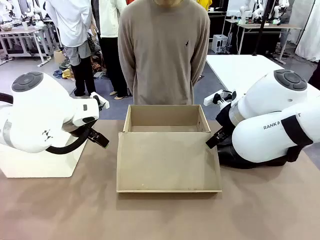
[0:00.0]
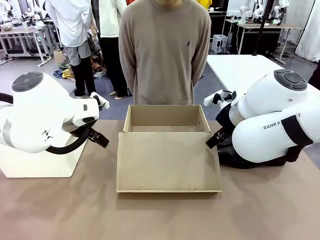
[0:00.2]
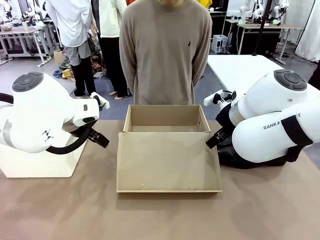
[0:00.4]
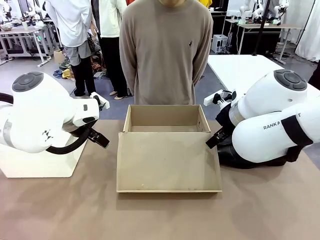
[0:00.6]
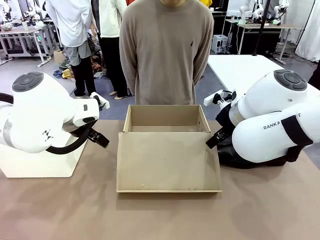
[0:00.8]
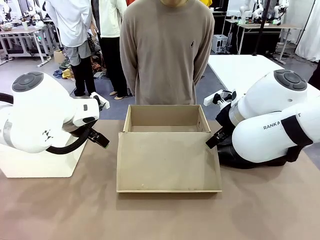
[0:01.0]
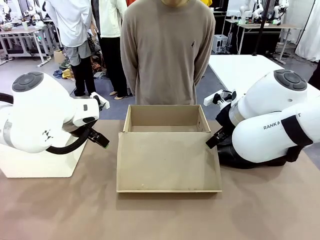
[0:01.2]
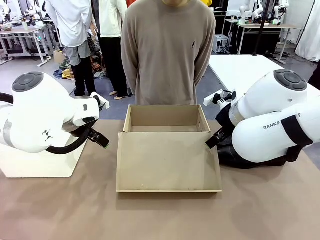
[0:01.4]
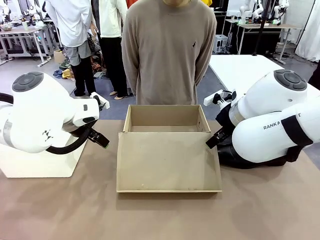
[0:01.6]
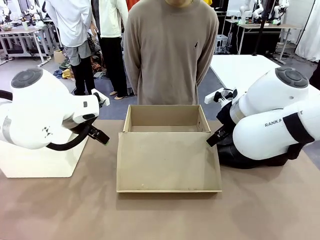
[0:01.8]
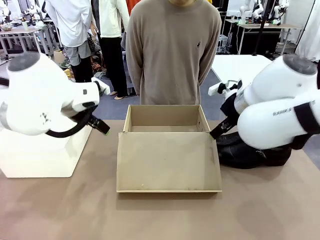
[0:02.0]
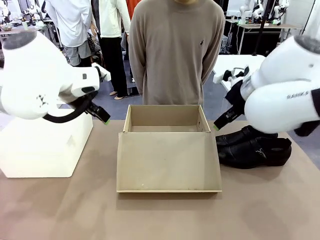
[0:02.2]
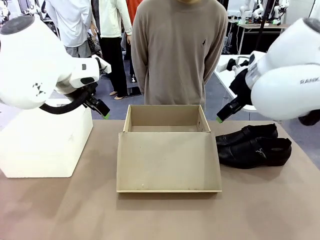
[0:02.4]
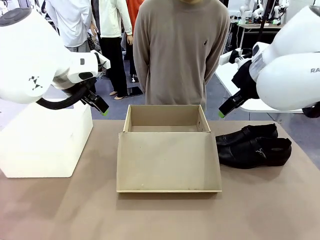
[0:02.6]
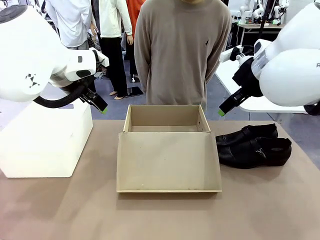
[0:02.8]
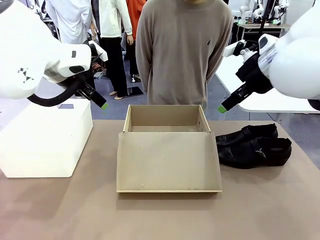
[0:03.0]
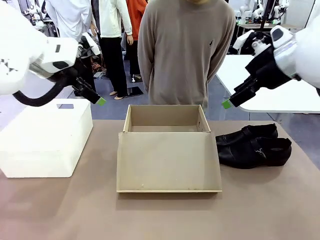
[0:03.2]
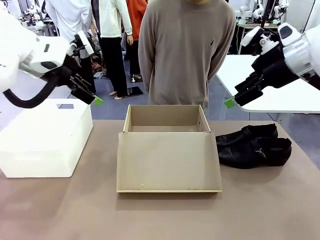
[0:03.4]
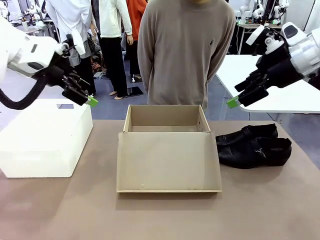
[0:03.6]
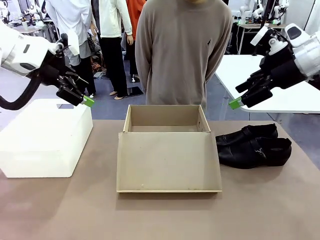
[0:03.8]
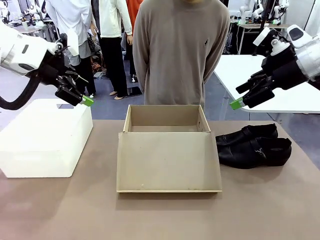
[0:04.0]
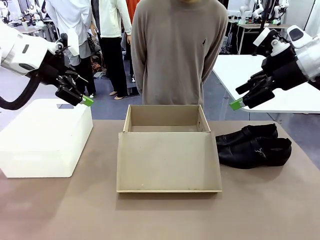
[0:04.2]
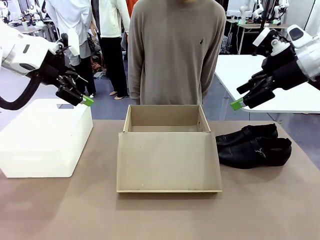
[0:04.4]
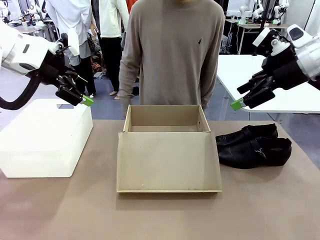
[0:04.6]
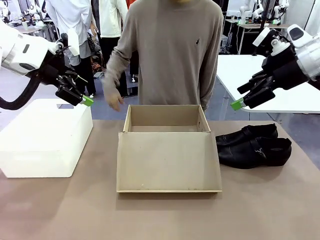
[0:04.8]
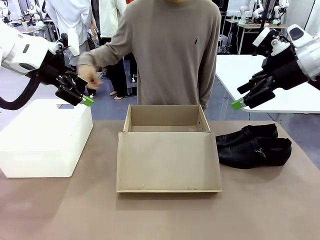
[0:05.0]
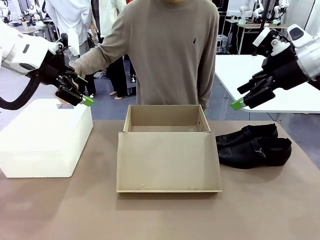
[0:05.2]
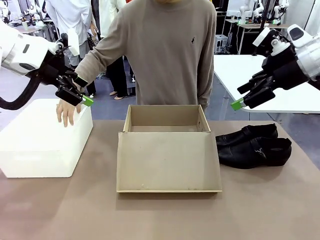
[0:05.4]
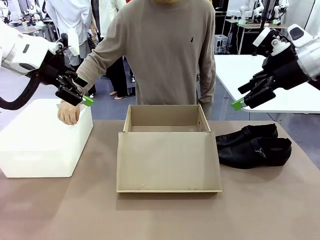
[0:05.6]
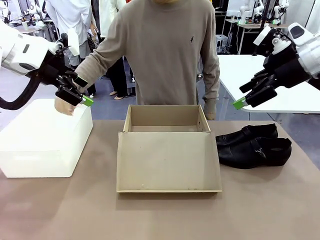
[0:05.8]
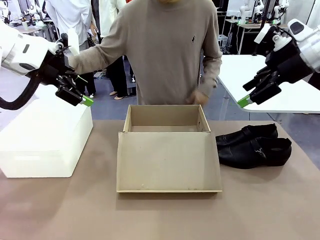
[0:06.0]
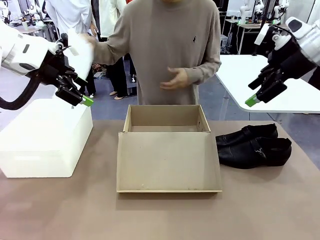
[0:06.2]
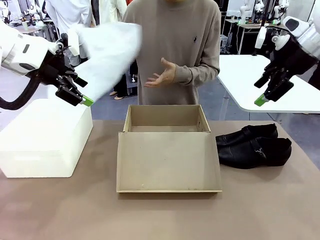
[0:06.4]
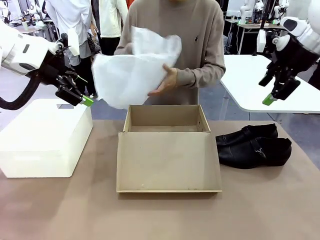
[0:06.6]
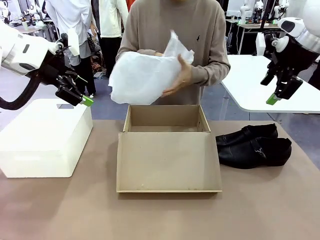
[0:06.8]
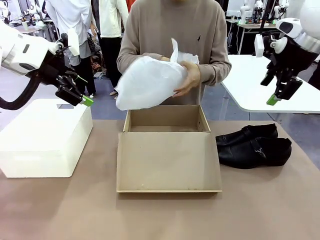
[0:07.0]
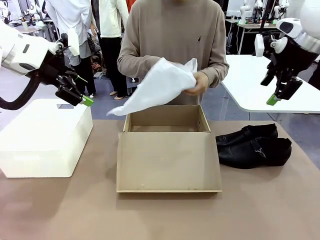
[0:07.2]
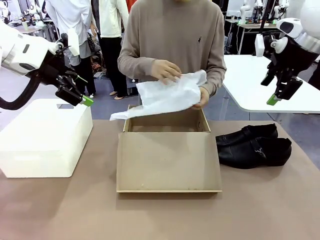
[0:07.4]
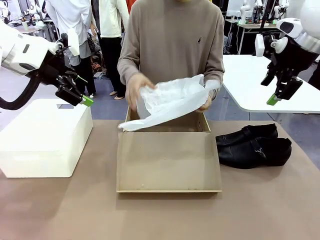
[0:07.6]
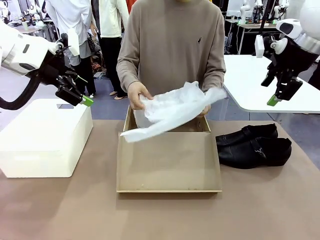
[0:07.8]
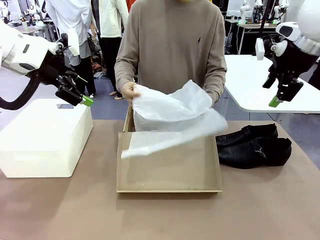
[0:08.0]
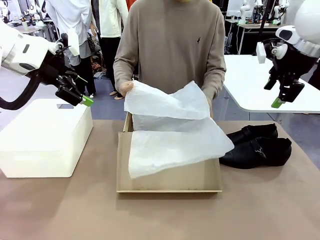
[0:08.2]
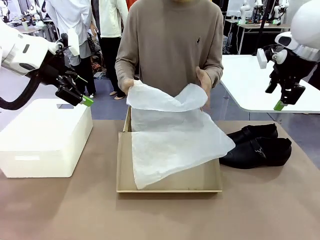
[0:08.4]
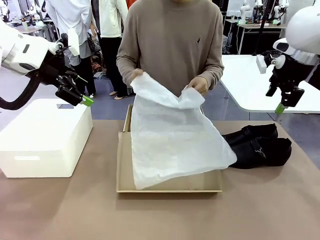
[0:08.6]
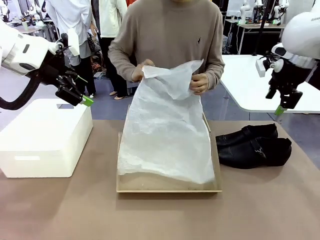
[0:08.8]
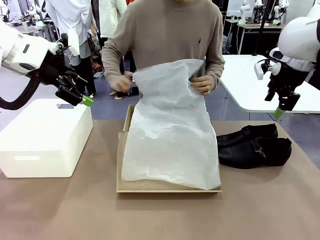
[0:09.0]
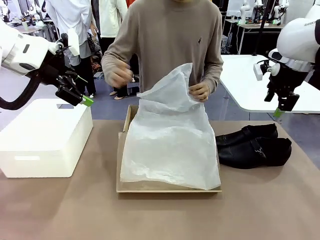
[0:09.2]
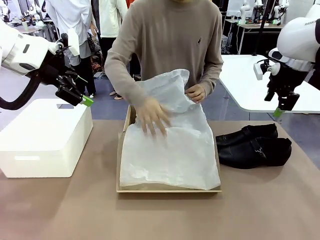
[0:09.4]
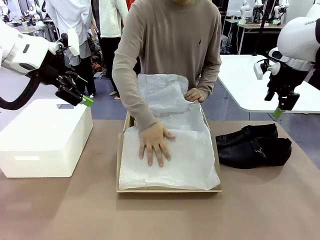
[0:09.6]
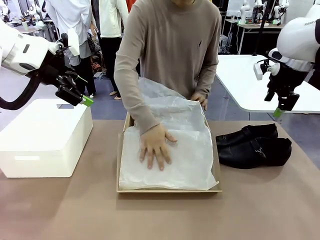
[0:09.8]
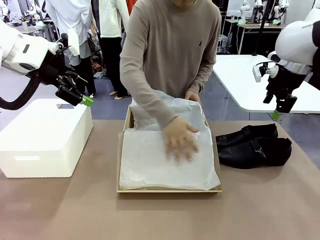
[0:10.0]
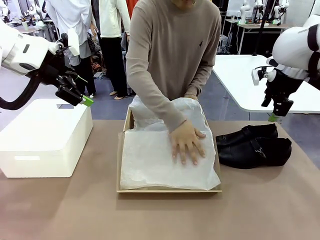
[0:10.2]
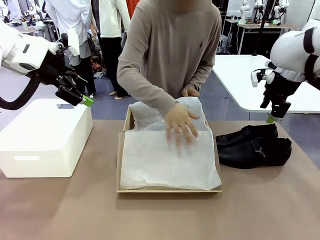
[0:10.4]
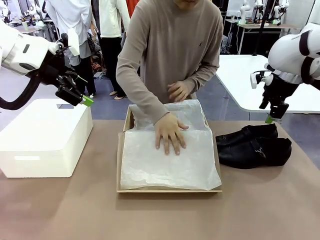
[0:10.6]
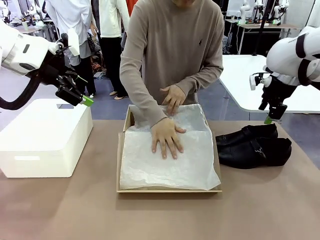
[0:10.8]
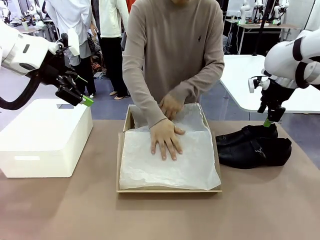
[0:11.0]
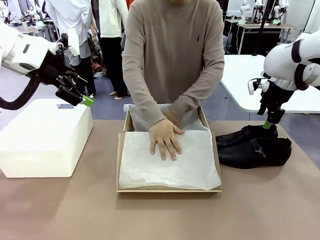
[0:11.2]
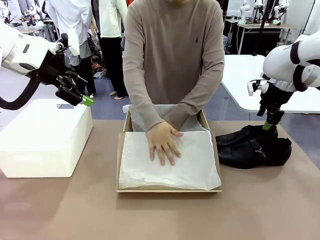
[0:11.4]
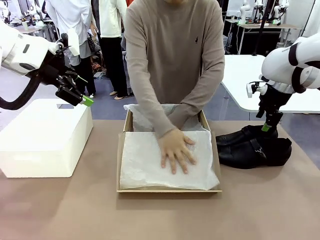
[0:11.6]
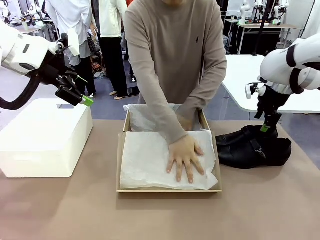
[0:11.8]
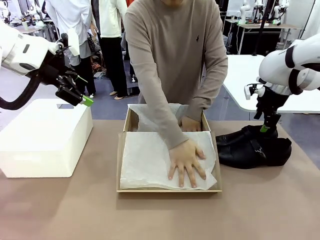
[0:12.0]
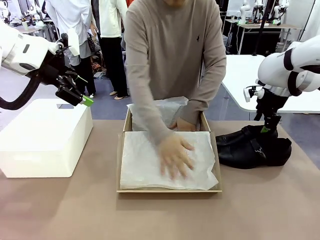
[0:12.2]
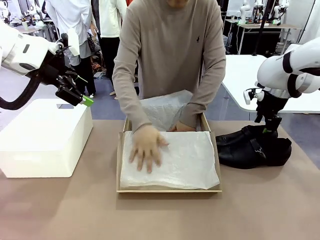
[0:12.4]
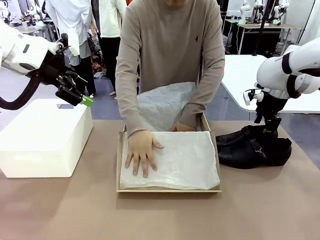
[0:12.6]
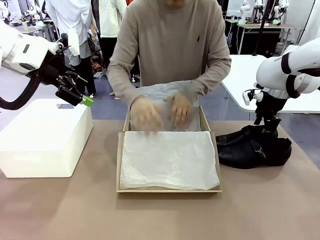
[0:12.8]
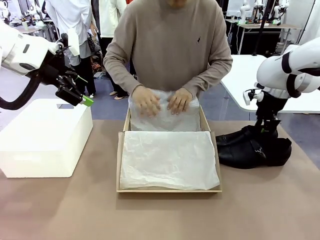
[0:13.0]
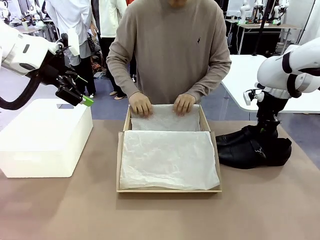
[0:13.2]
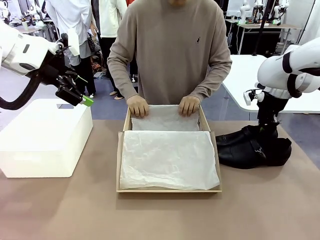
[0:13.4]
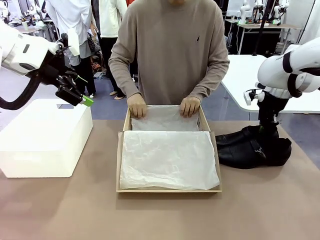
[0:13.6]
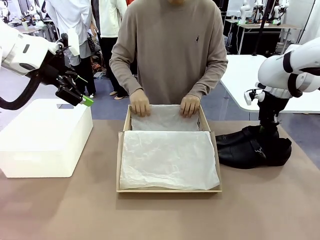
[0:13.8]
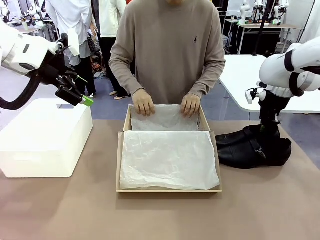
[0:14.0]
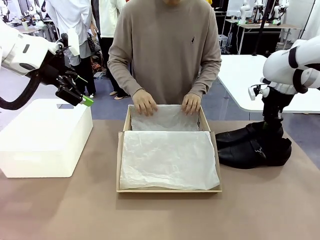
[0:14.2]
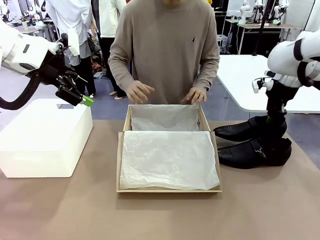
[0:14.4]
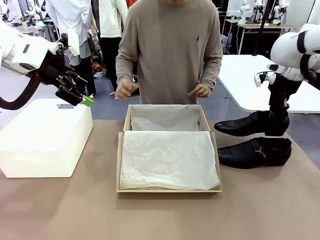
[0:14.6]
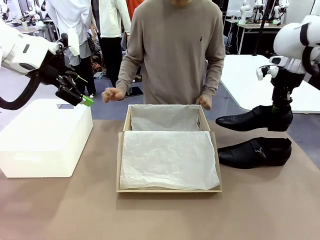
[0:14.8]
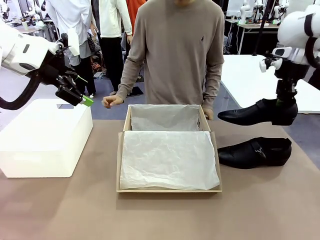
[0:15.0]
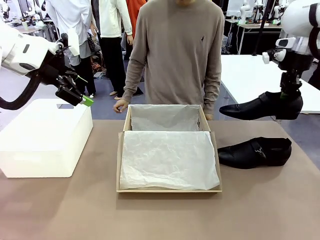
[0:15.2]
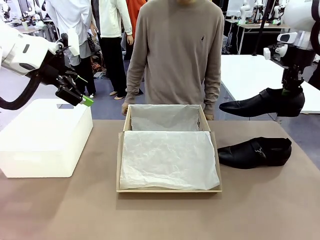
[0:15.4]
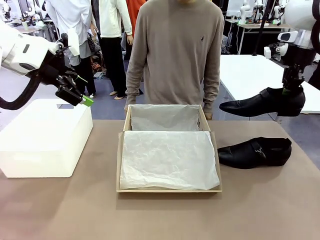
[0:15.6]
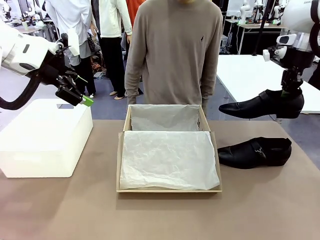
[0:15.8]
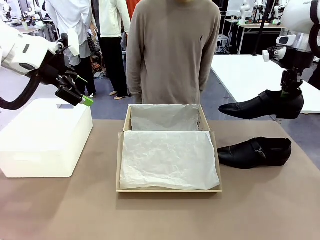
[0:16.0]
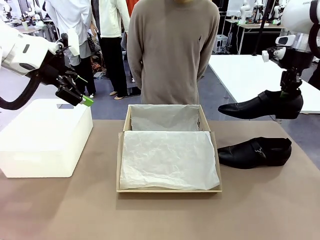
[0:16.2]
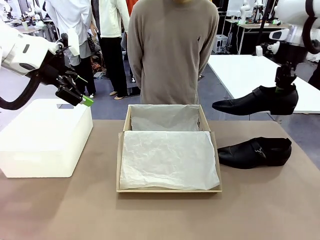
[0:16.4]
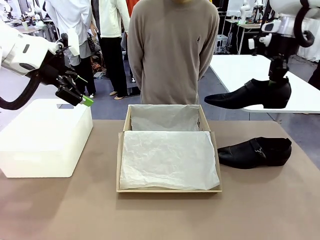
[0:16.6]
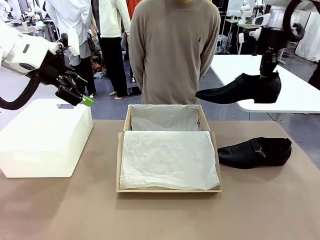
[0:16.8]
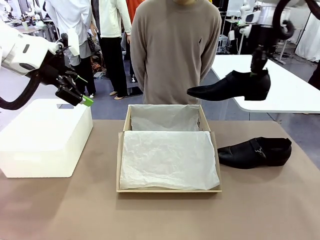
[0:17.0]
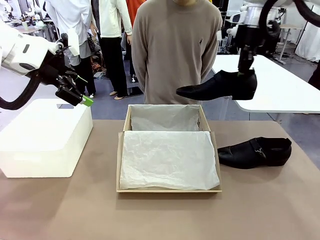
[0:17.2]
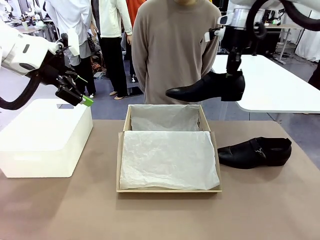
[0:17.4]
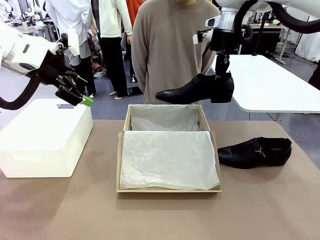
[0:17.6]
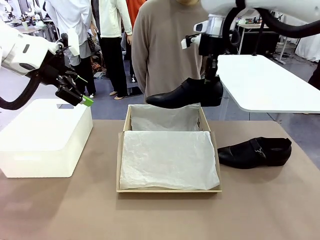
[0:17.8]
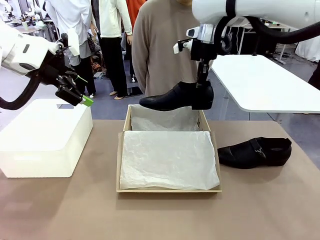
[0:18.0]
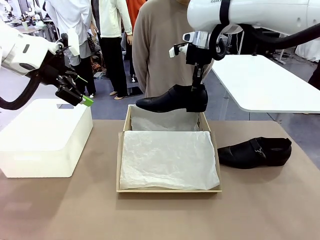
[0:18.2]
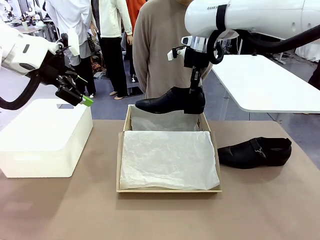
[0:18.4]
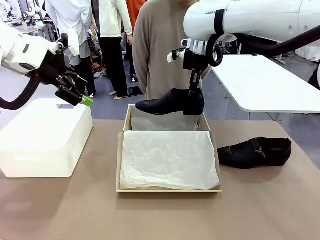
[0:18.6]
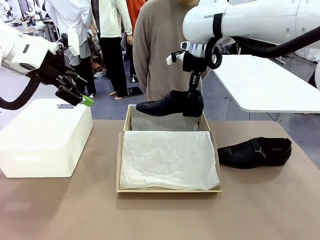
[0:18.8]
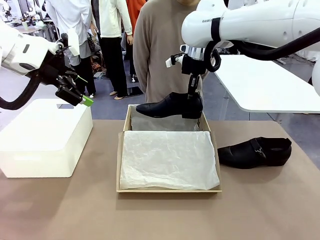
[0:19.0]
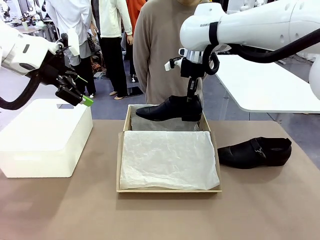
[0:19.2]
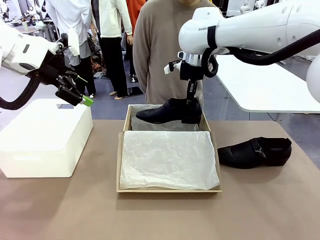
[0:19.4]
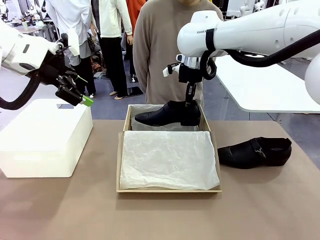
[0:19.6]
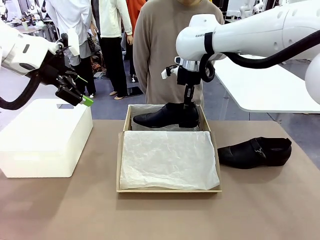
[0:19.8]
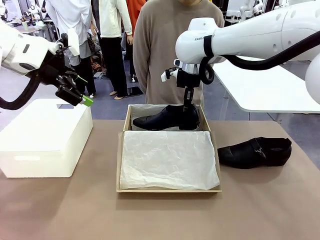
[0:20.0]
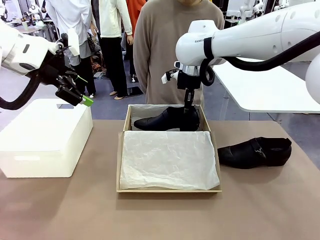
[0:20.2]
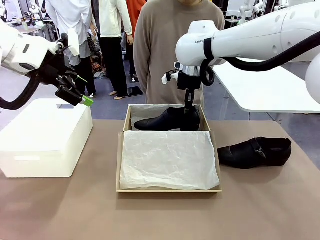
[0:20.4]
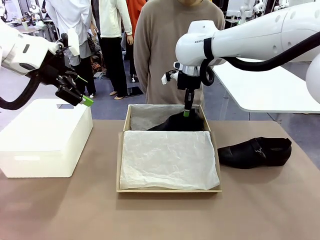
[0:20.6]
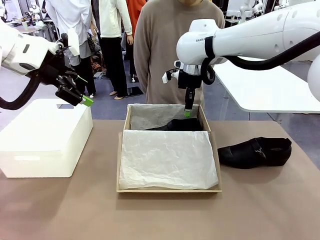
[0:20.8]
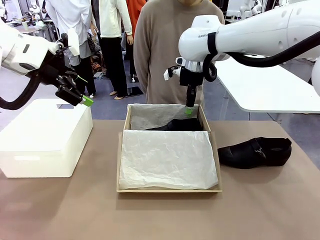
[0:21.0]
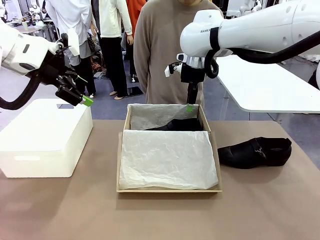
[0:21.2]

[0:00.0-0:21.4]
Task: Pack the shoes into the box.
Robot: Place one shoe of the Shoes into the Shoes Box.
Person: Spread Shoes Wrapping Paper and place inside the Shoes Box.
